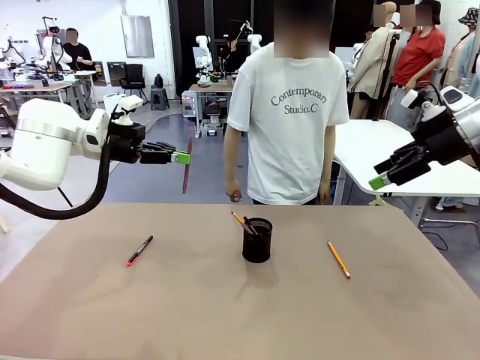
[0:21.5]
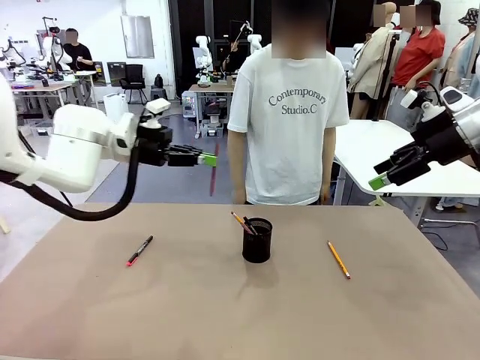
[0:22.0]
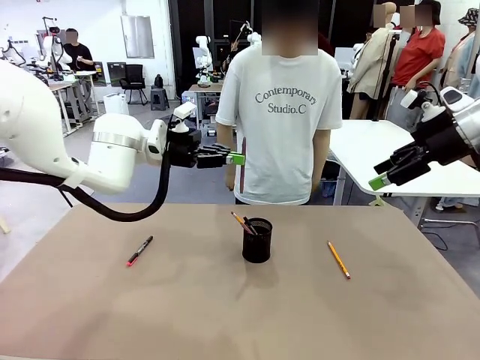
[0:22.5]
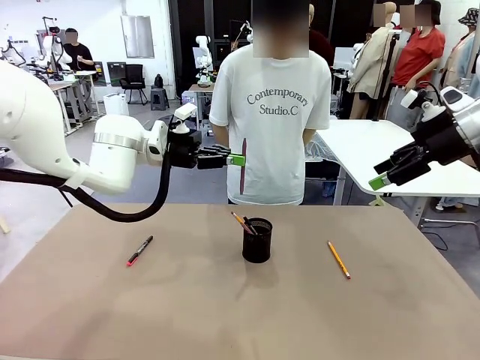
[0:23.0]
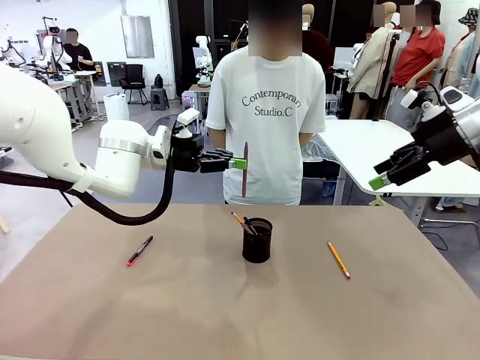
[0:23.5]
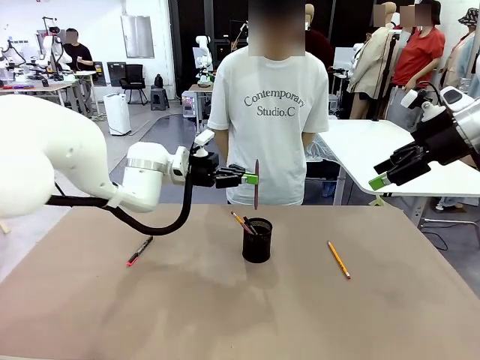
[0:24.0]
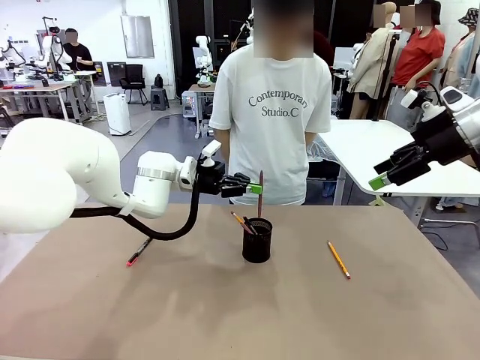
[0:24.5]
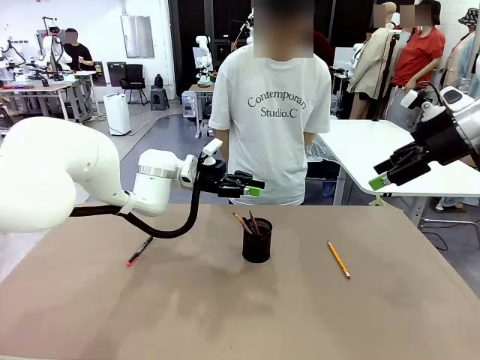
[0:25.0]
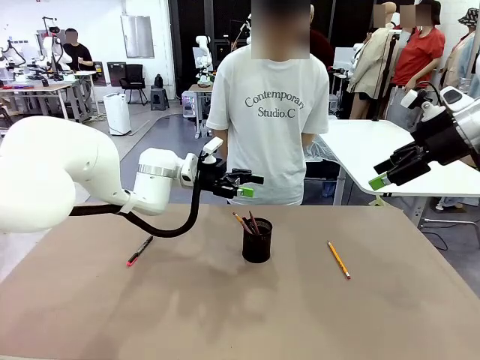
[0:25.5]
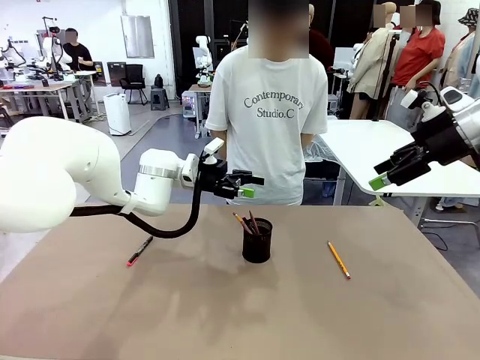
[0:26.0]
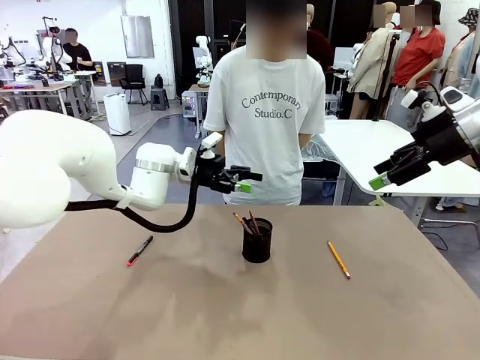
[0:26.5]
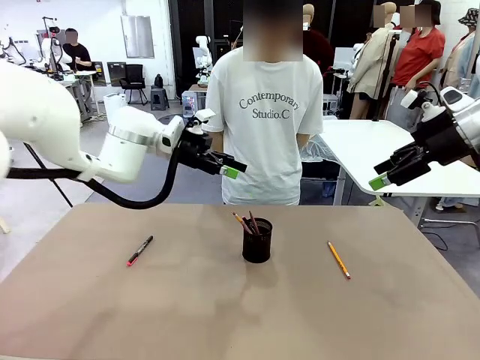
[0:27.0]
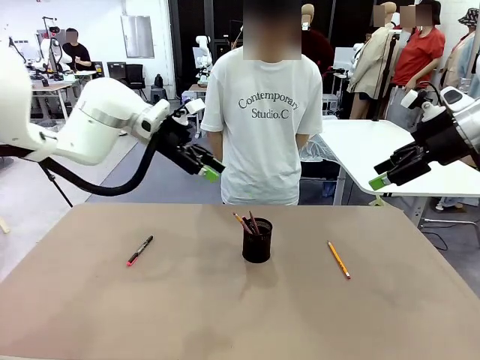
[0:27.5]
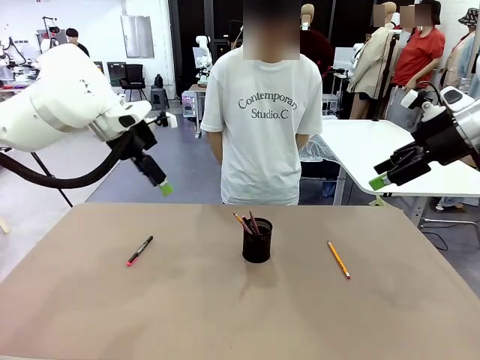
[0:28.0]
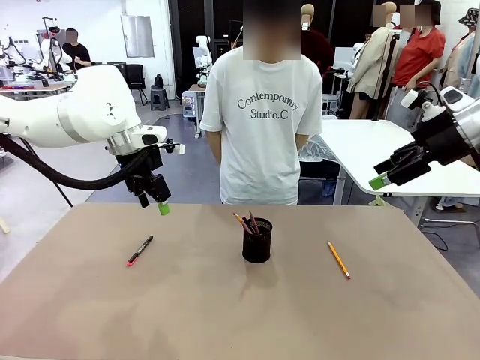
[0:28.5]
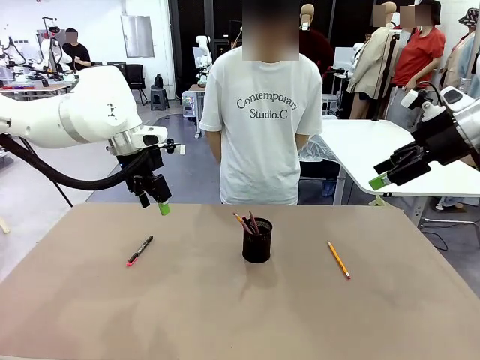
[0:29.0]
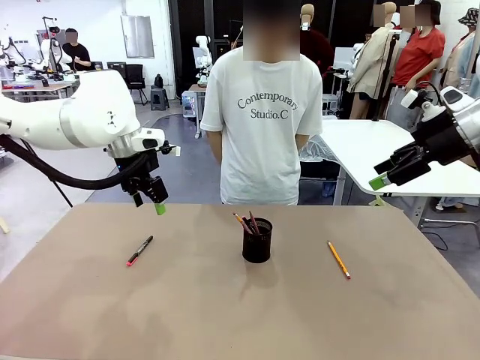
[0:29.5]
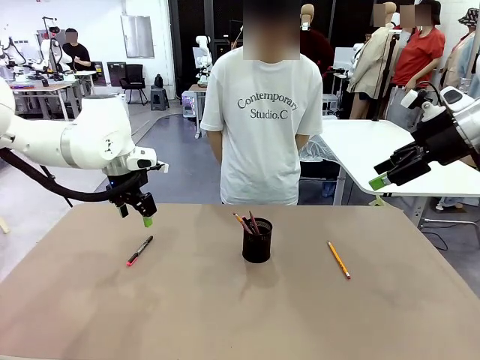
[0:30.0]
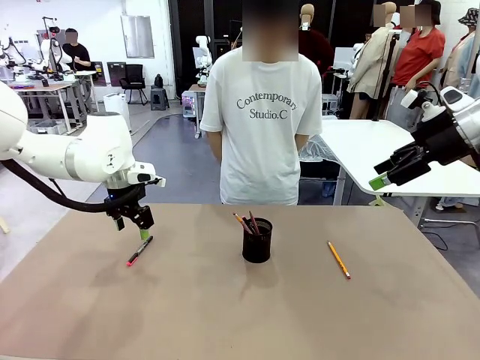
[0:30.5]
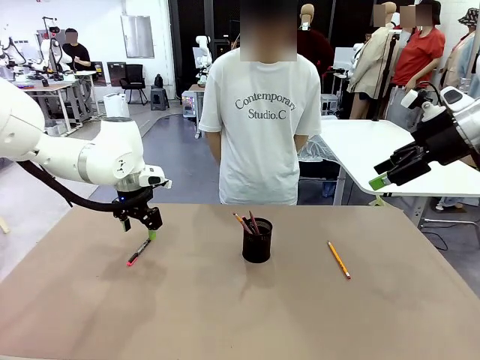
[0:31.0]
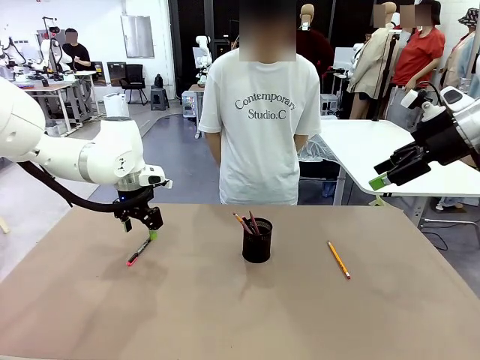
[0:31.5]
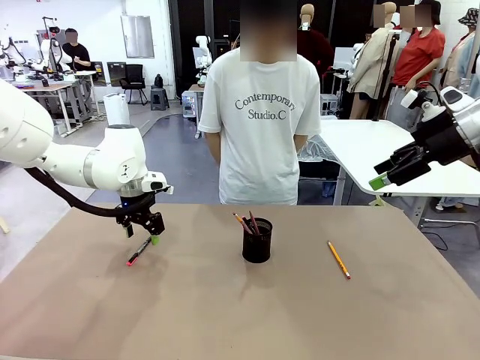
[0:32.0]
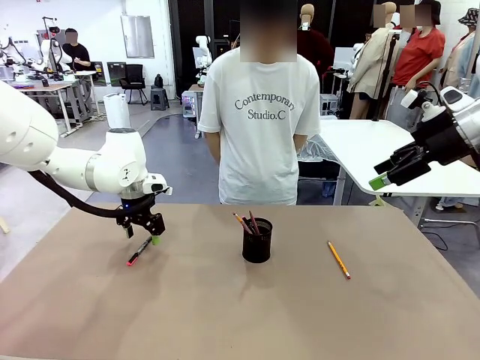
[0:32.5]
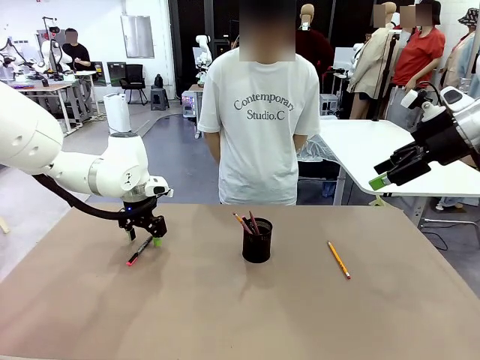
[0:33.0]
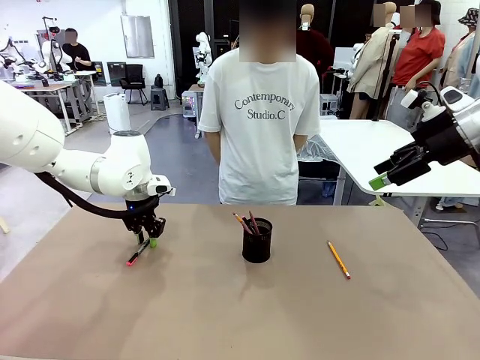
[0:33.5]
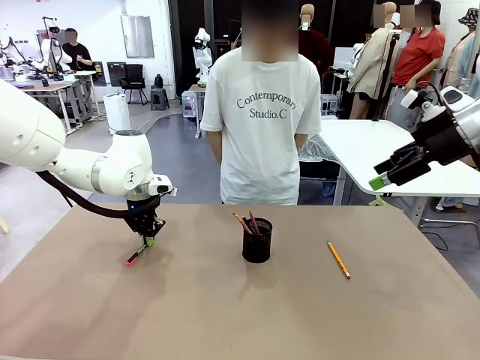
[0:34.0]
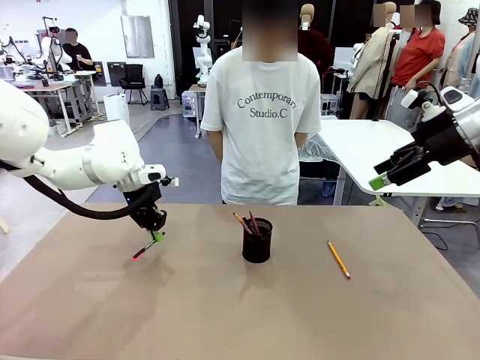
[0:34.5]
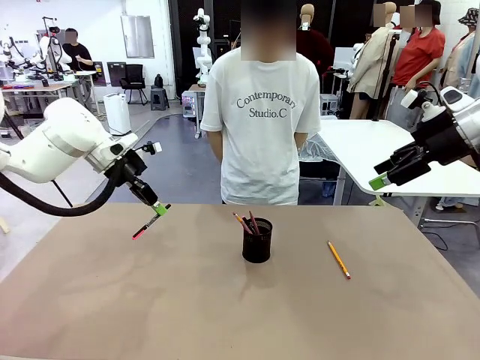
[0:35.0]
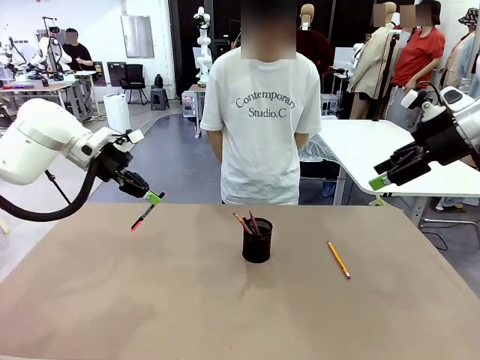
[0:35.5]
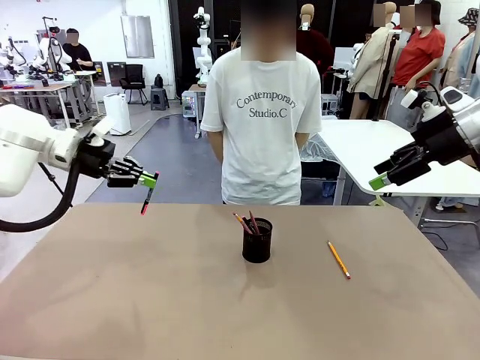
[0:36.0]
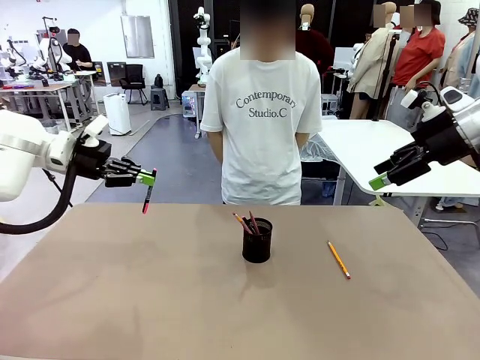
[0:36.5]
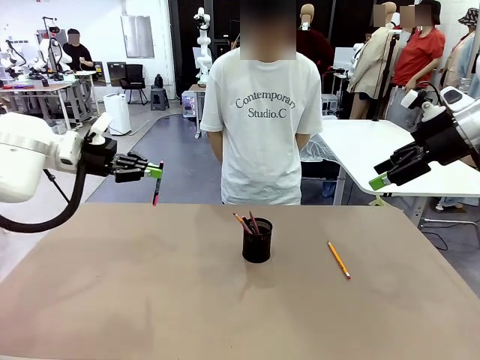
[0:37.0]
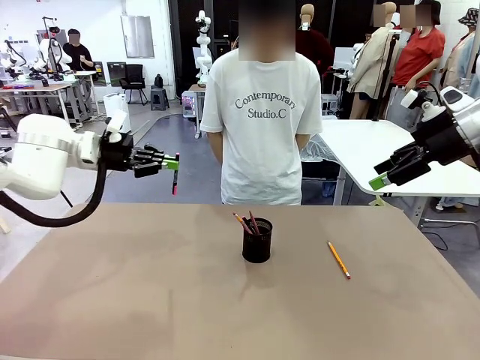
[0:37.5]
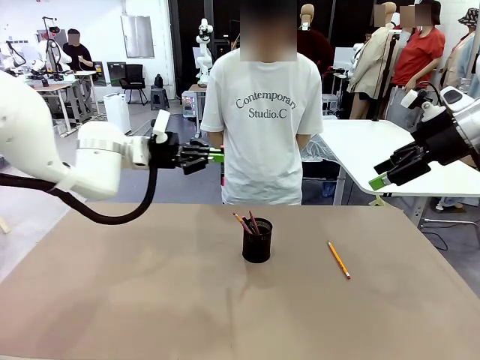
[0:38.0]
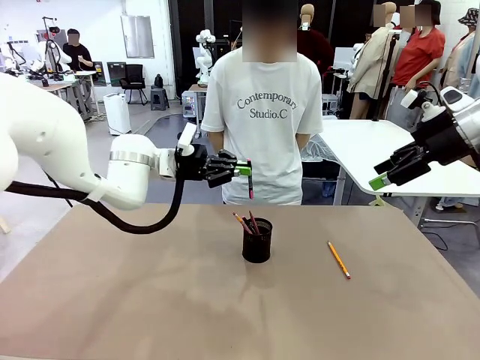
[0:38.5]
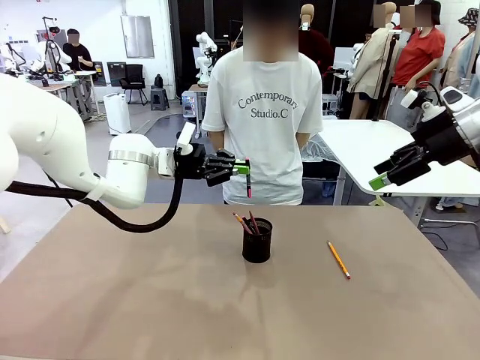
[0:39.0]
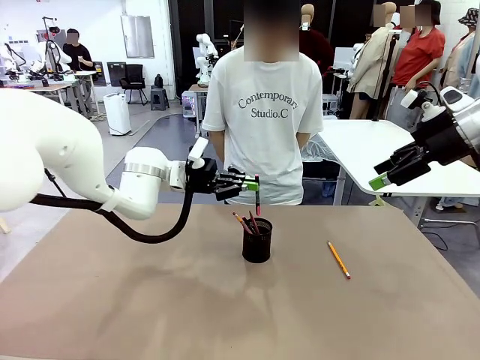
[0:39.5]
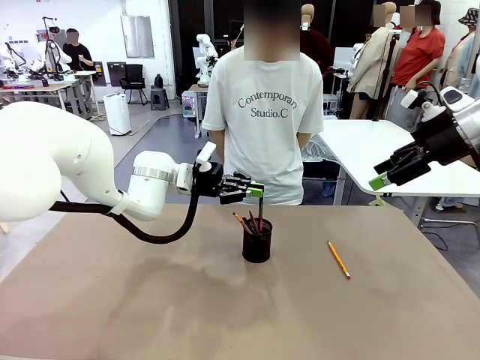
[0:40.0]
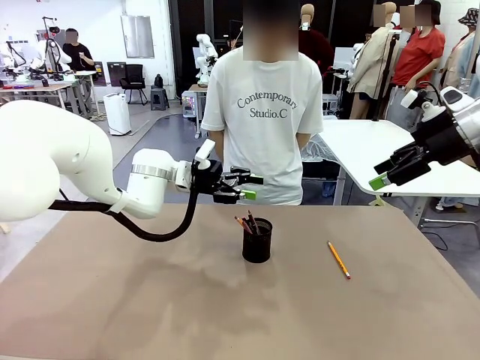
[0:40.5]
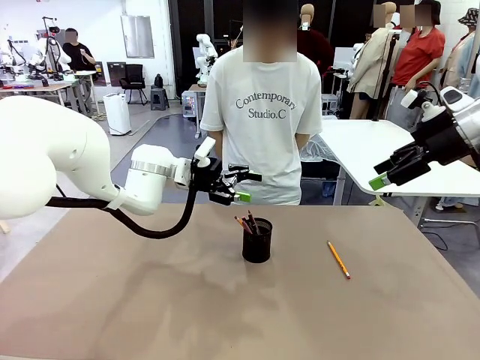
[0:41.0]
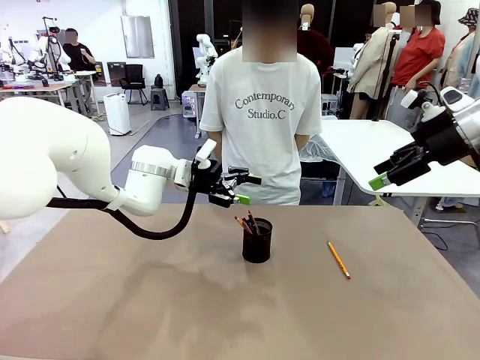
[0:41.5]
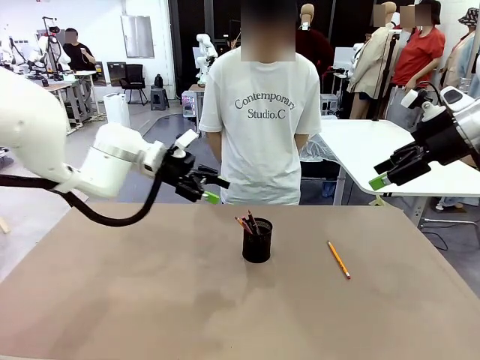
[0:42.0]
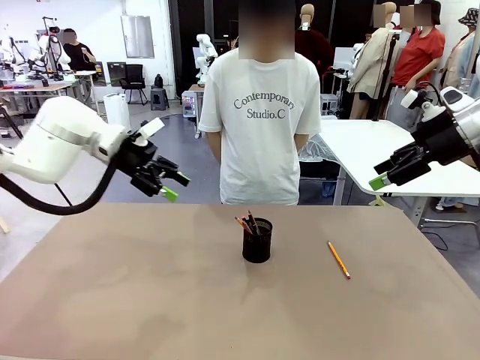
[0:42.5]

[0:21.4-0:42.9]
Task: Place the pens into the pen holder.
Robot: Pick up a writing instrument from the table and place it into the Pen holder.
